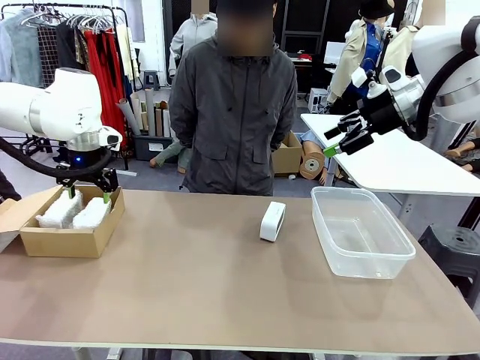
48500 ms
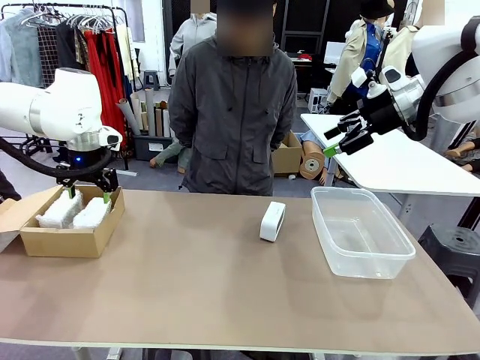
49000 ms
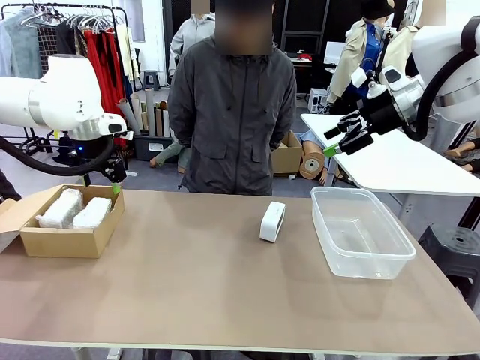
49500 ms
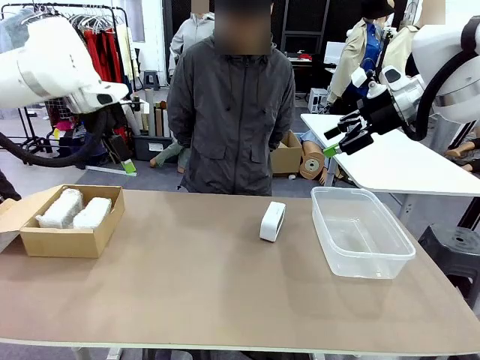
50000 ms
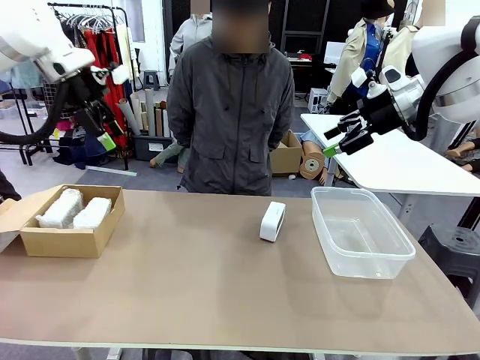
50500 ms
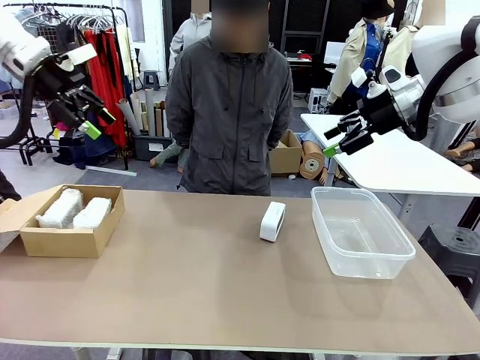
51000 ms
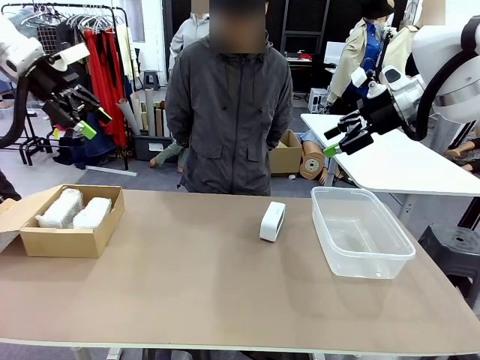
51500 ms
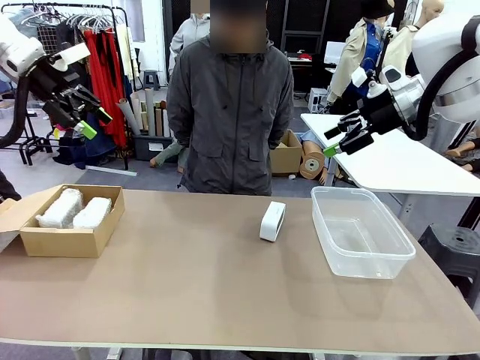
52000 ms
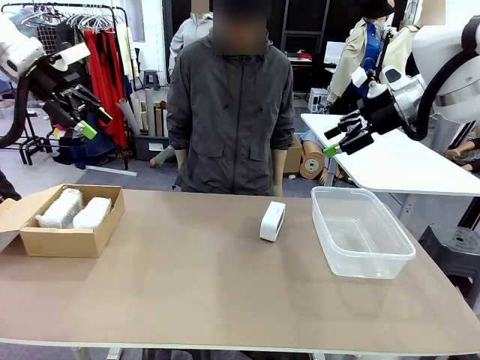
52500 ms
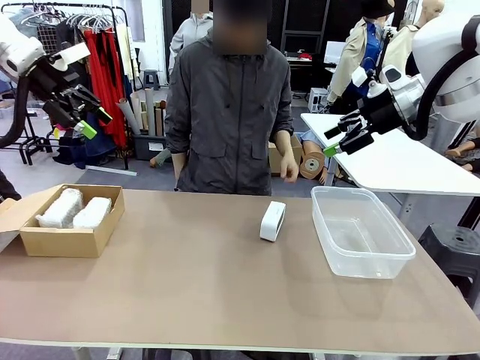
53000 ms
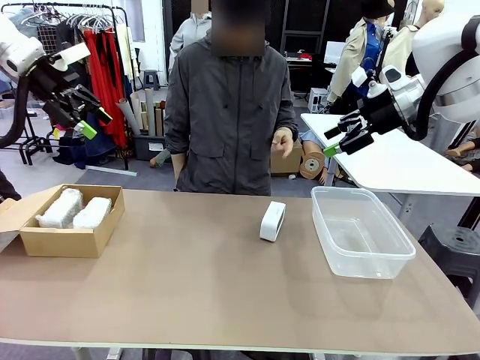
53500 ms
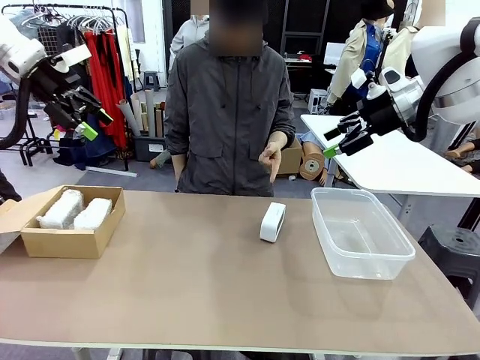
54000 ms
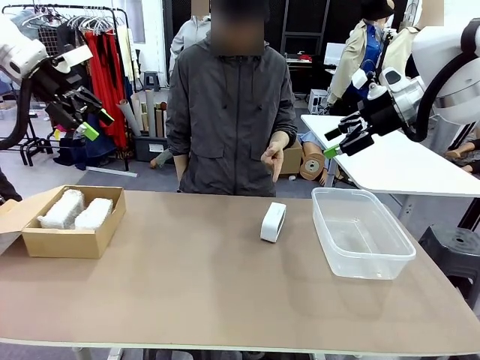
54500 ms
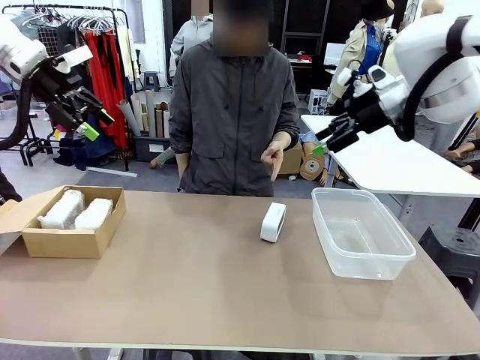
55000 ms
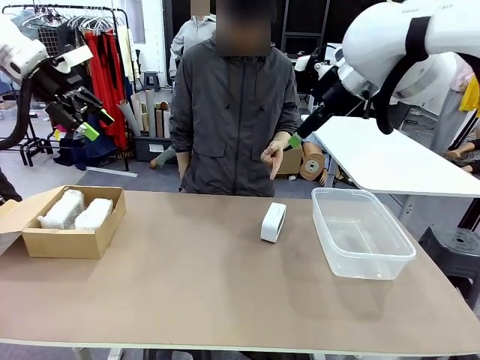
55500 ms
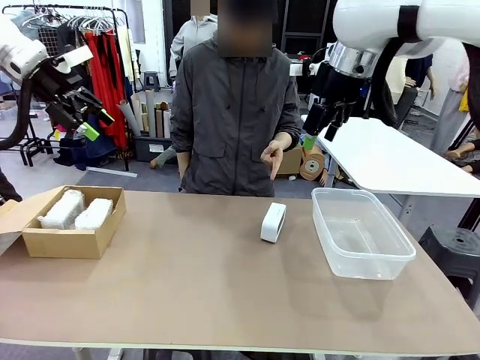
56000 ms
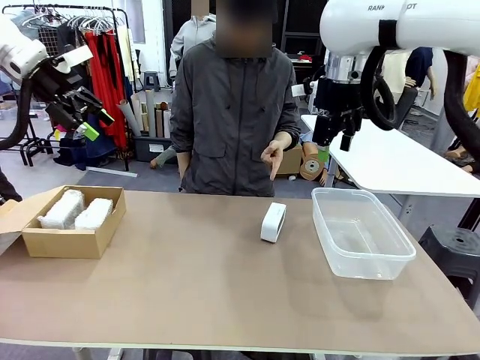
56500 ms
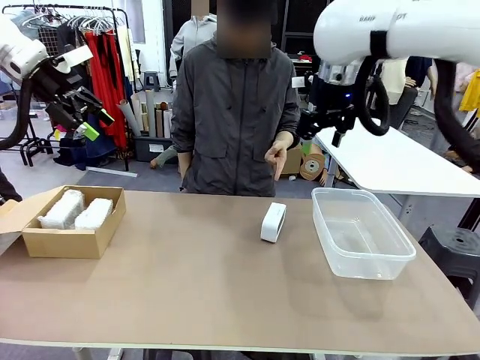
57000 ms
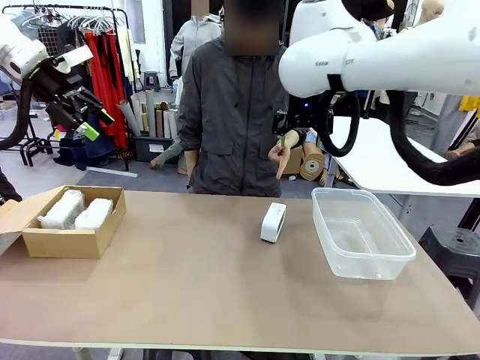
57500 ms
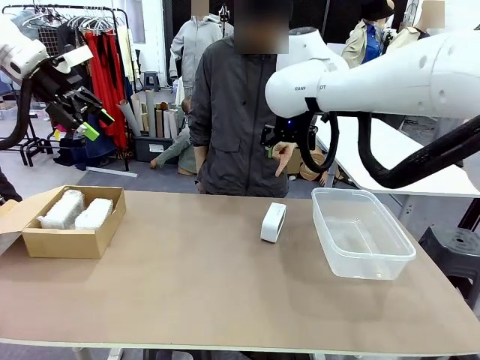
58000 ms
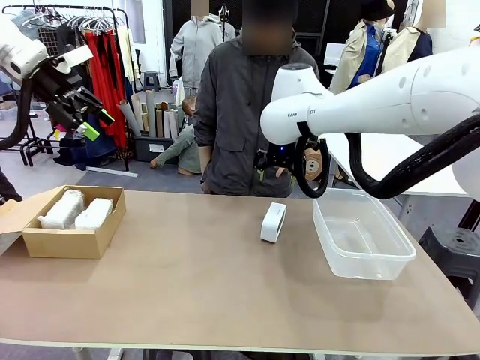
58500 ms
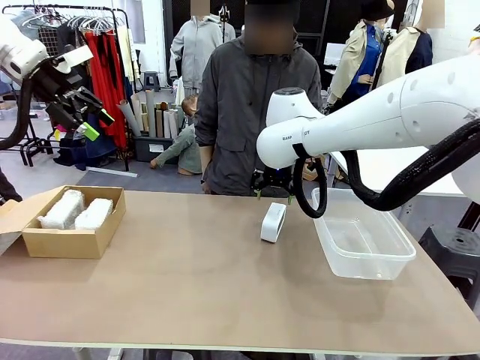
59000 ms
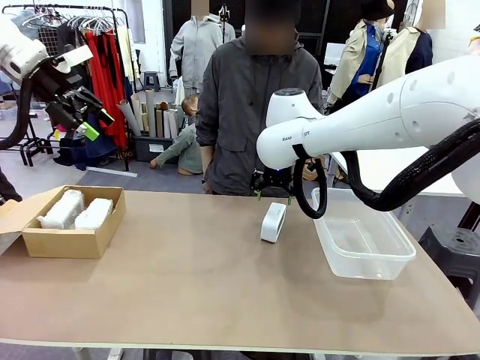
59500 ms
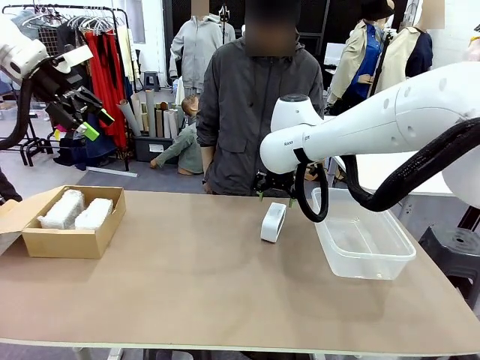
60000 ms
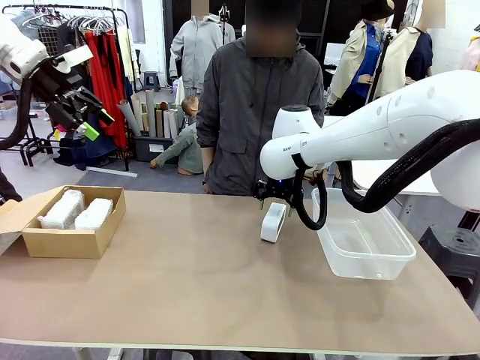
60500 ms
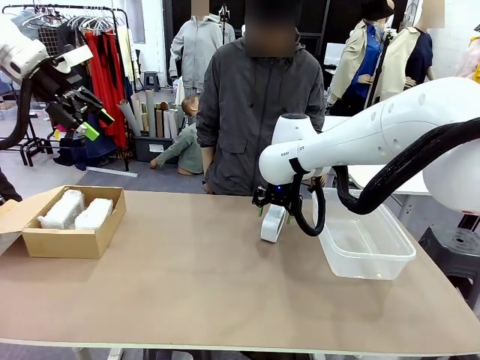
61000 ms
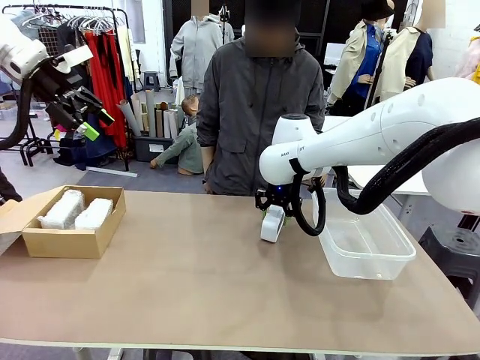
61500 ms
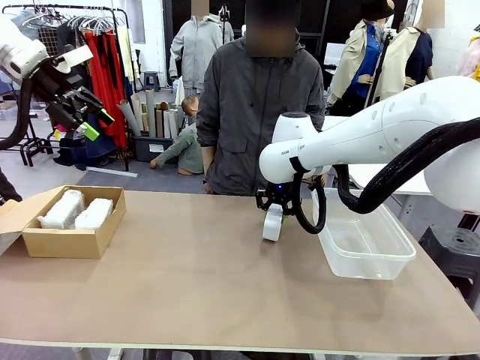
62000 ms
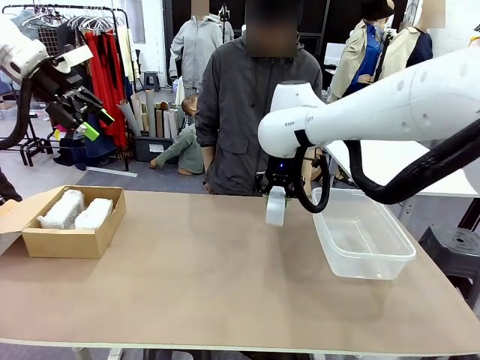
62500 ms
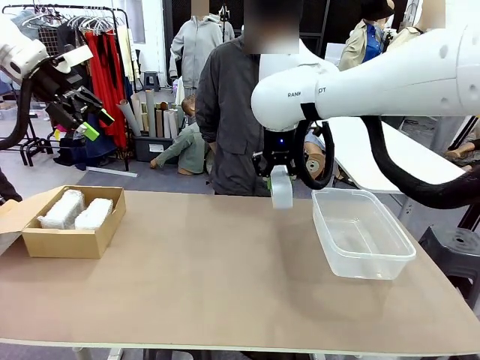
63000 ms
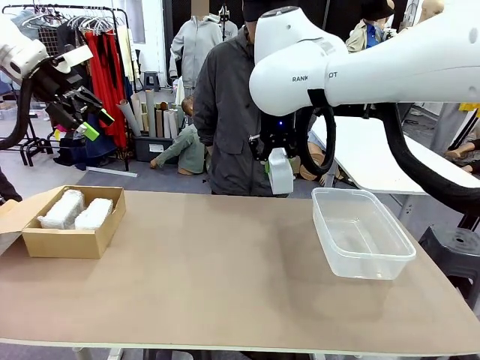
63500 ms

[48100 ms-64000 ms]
Task: Separate and place wrapped and unwrapped clocks.
Robot: Pick up the Digital clock indicated by the person.

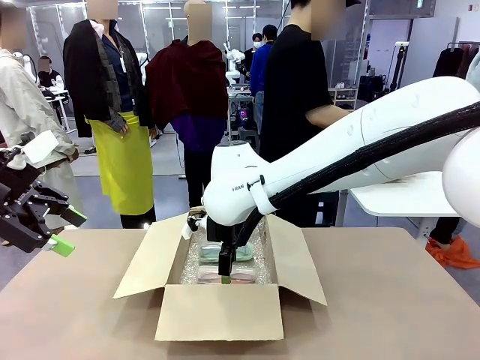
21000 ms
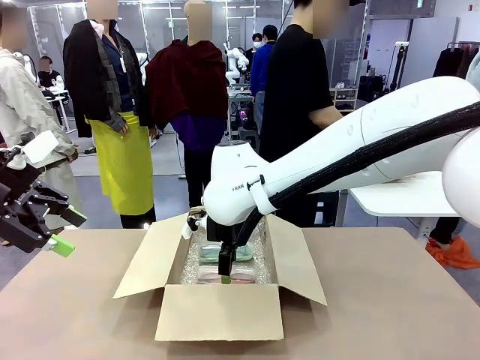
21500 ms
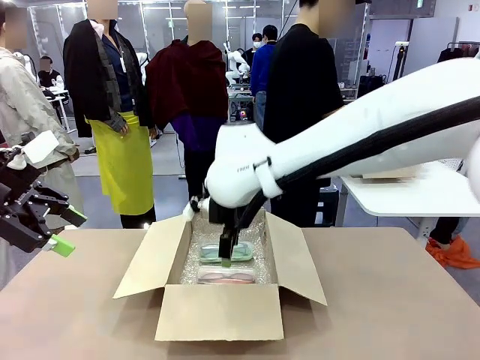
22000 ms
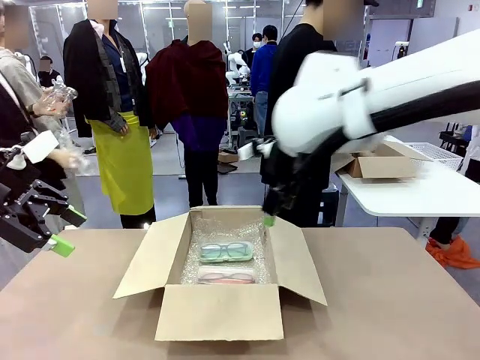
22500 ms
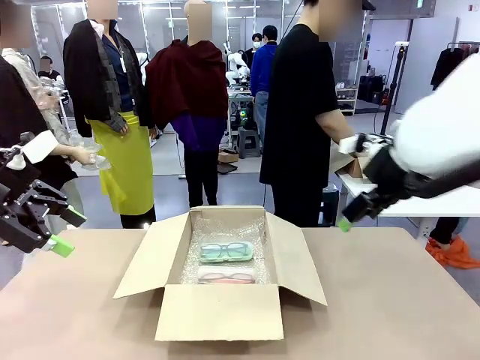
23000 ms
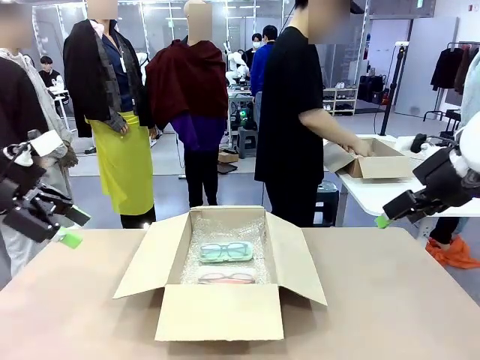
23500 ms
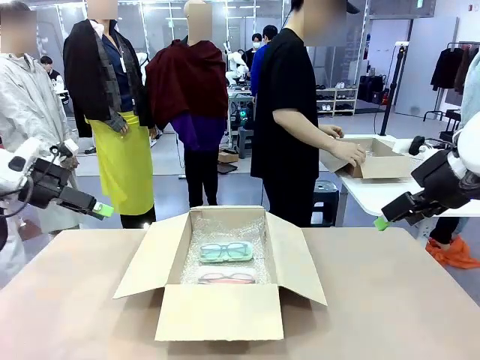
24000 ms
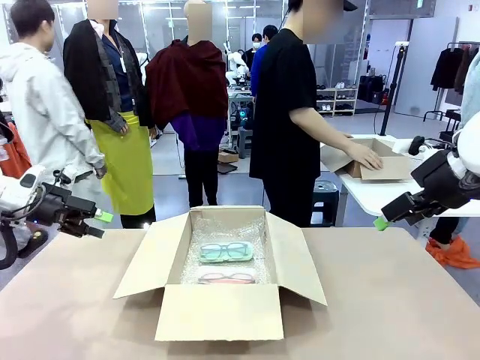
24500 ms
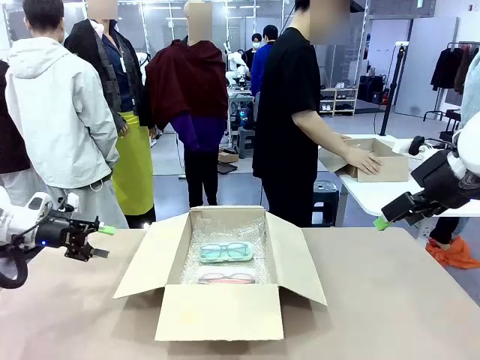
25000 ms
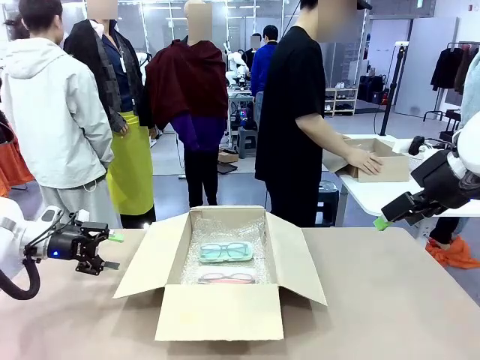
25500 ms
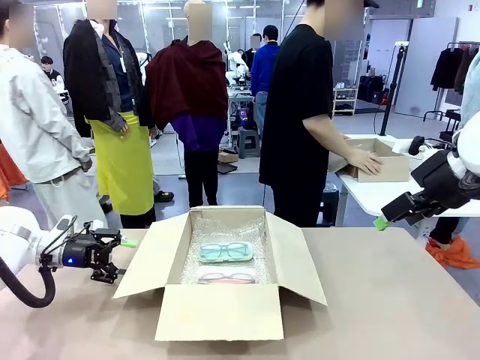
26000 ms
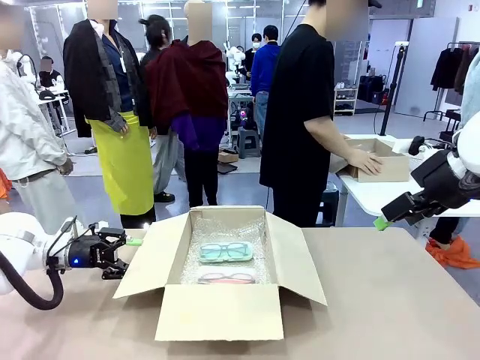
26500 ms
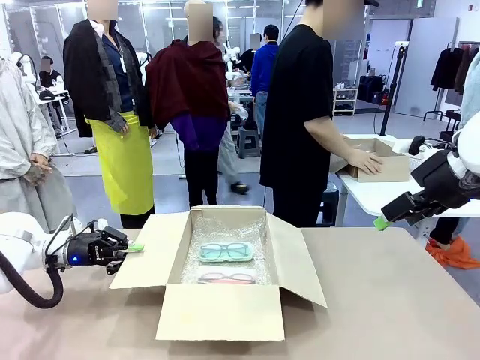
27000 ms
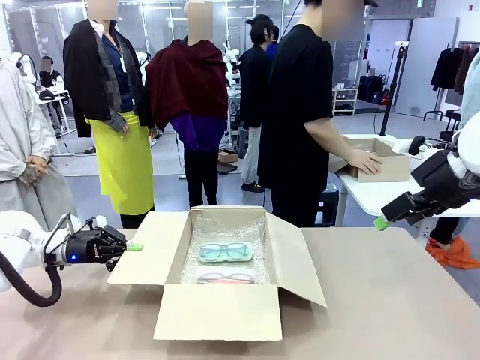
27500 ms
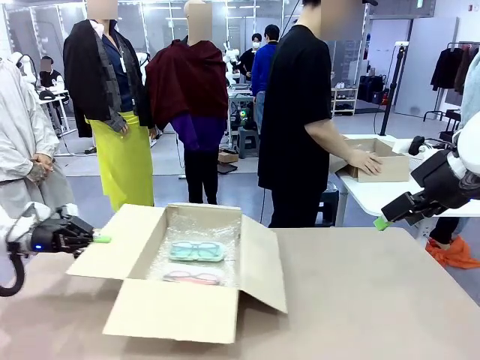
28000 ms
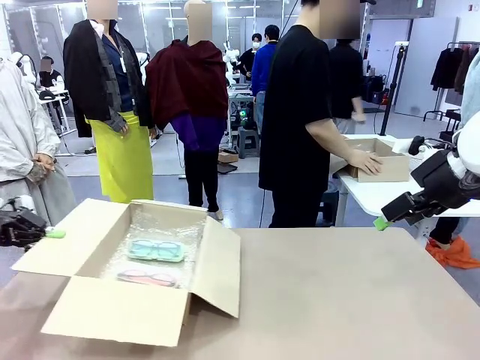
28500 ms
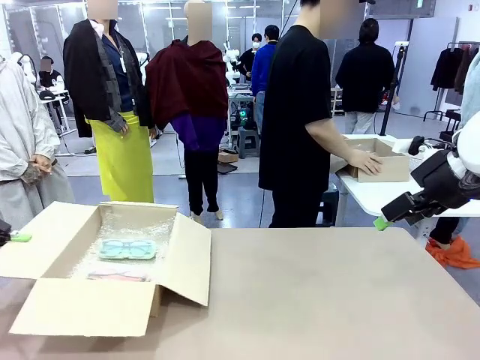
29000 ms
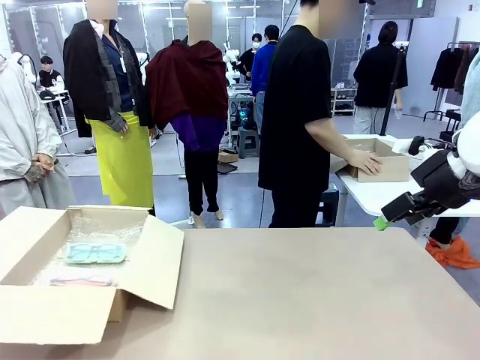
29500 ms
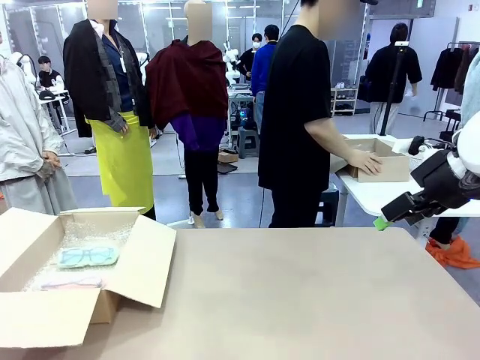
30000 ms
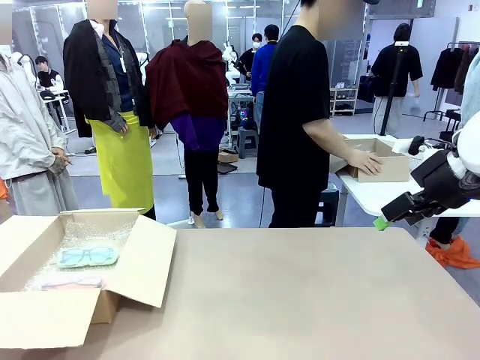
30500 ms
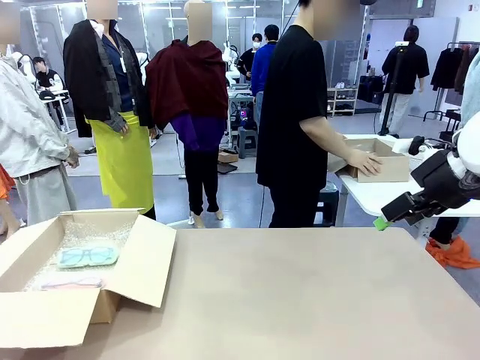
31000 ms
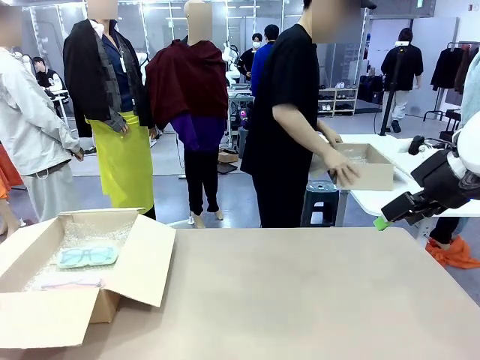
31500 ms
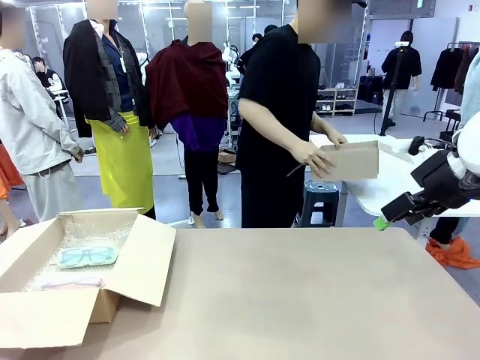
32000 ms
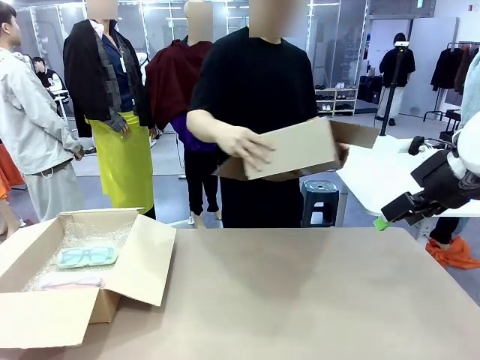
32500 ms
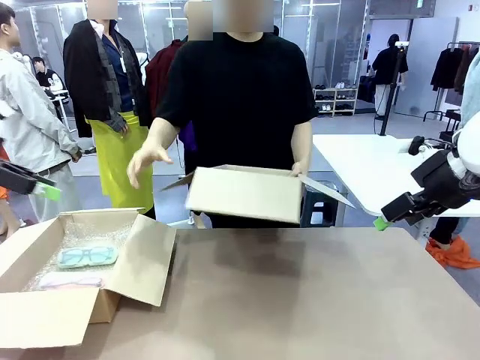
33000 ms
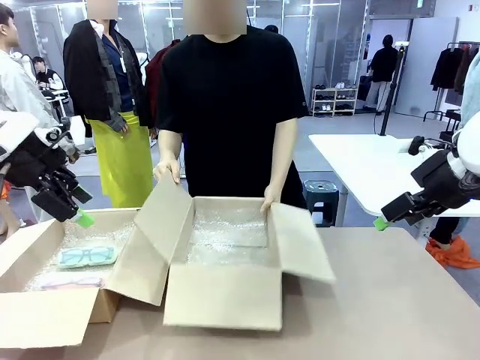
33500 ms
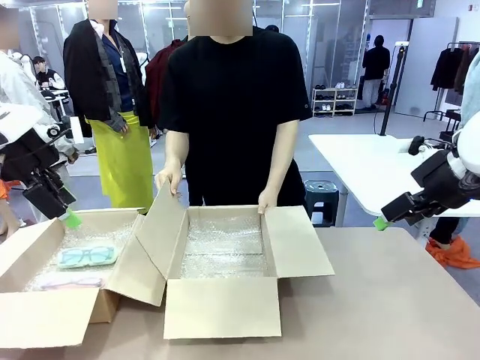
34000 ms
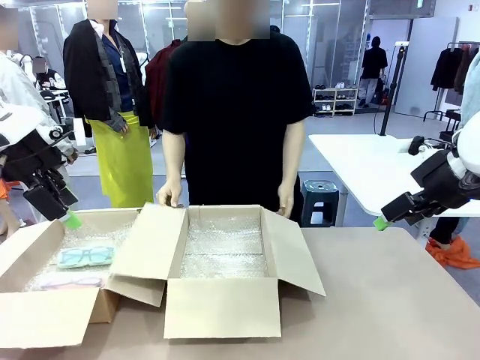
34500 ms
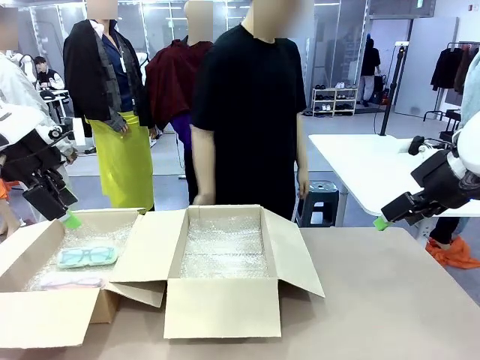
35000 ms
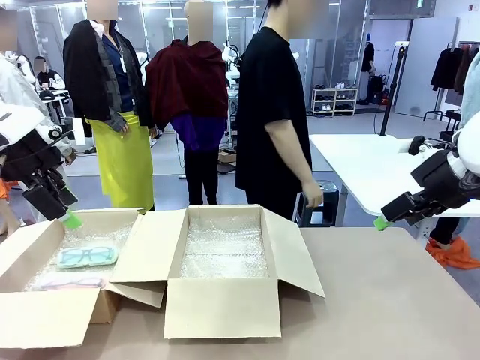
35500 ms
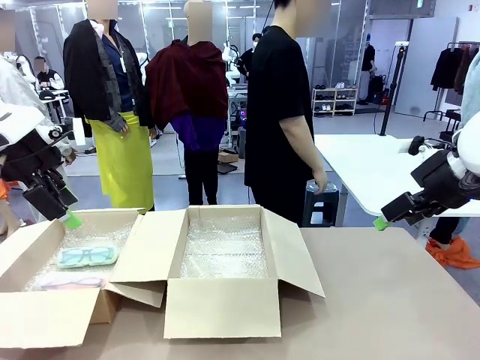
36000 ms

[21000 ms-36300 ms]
Task: Pack the glasses set securely to prepare it for shipping.
Robot: Position the Package Box on the left side of the table.
Person: Position the empty Package Box in the middle of the robot's table.
